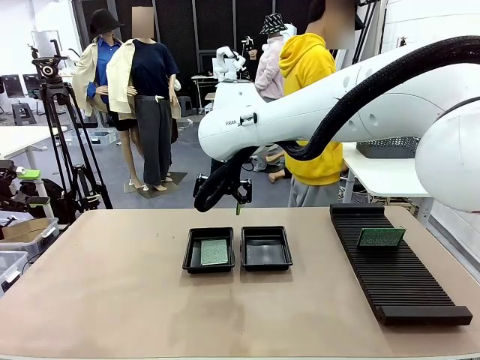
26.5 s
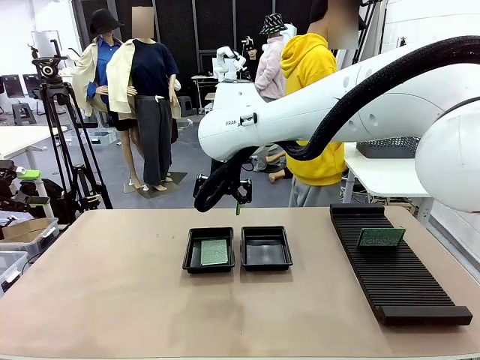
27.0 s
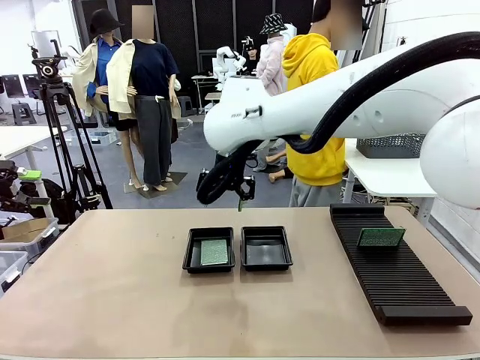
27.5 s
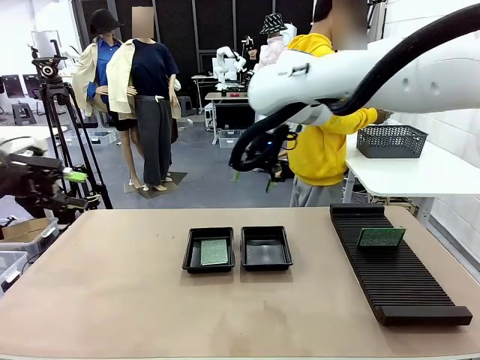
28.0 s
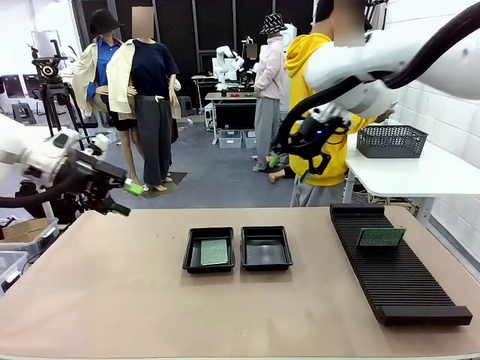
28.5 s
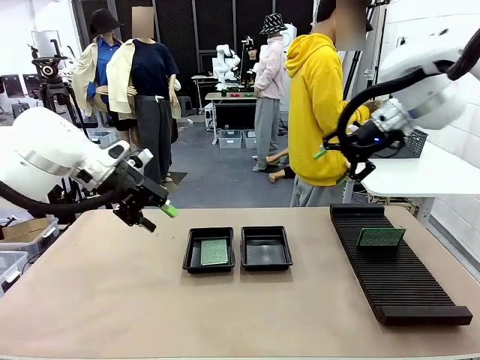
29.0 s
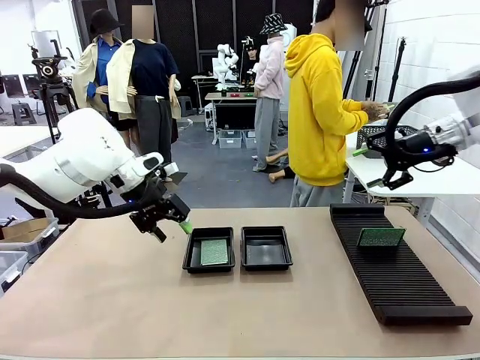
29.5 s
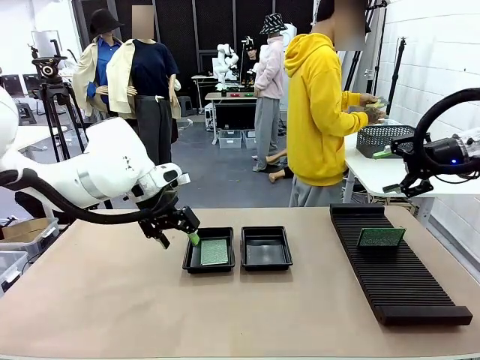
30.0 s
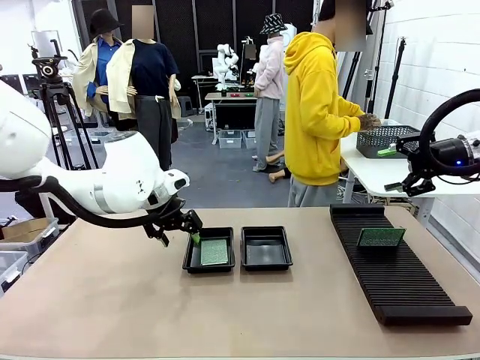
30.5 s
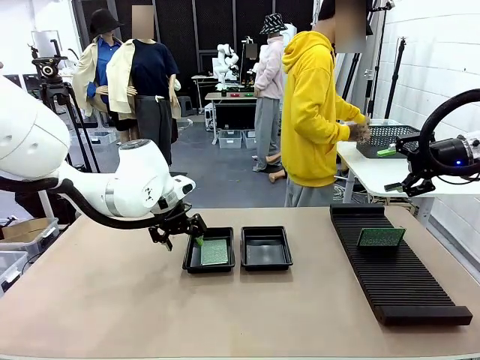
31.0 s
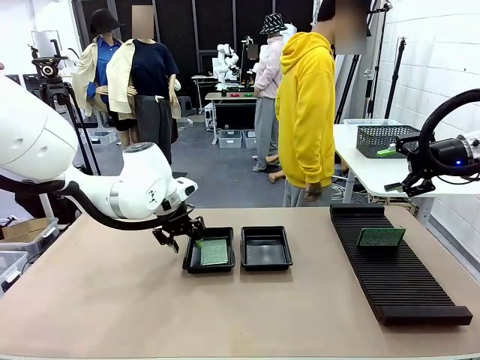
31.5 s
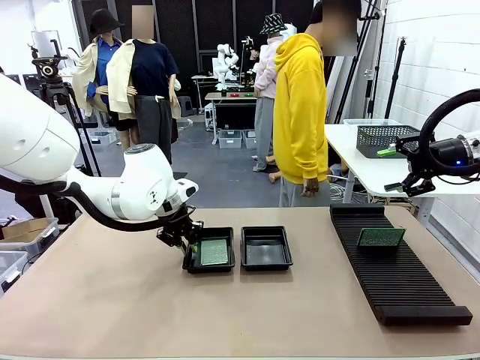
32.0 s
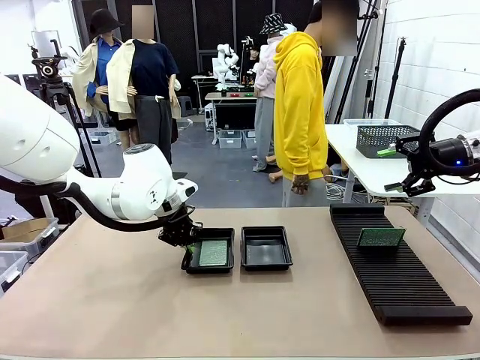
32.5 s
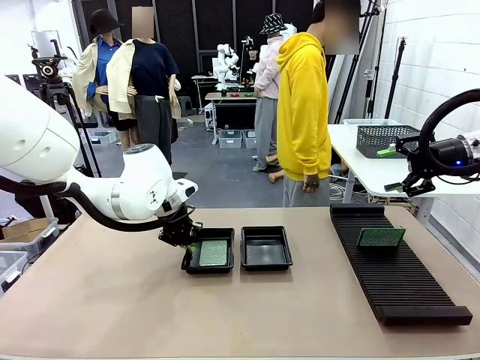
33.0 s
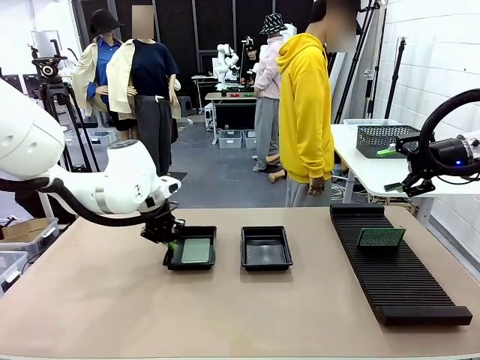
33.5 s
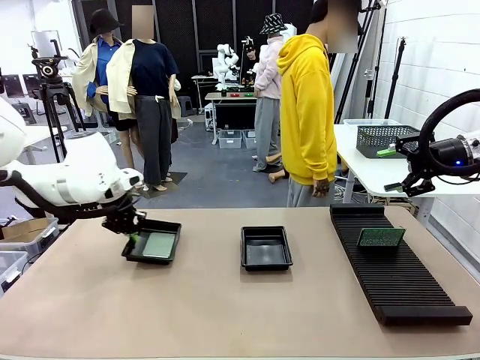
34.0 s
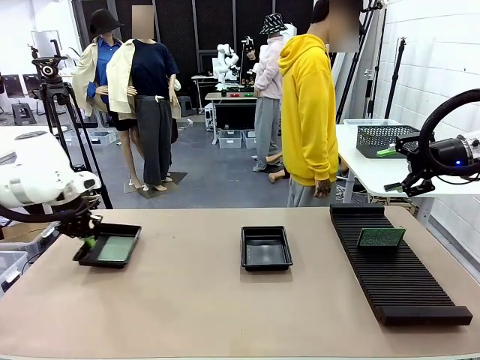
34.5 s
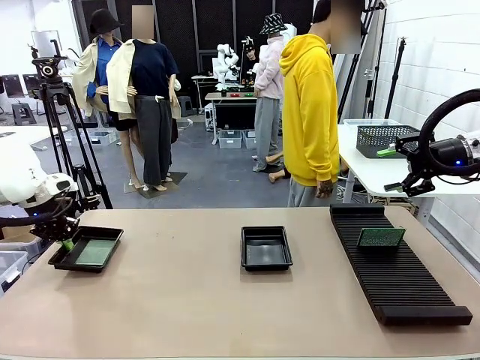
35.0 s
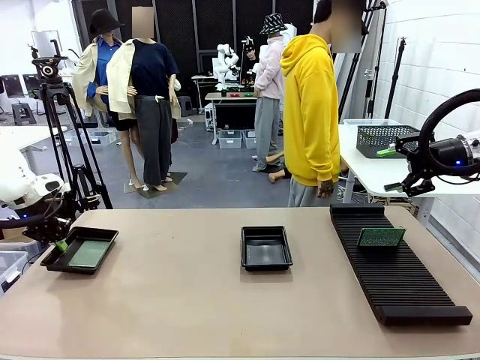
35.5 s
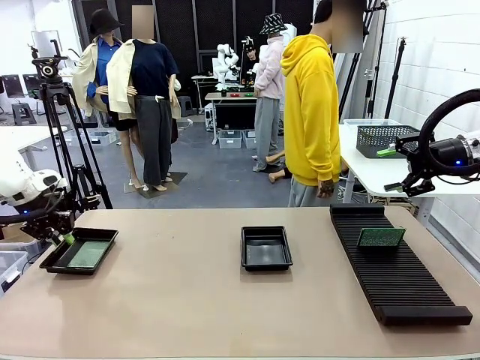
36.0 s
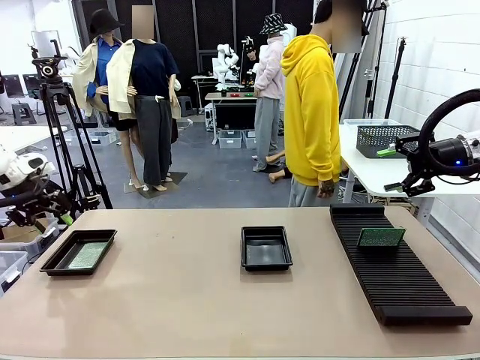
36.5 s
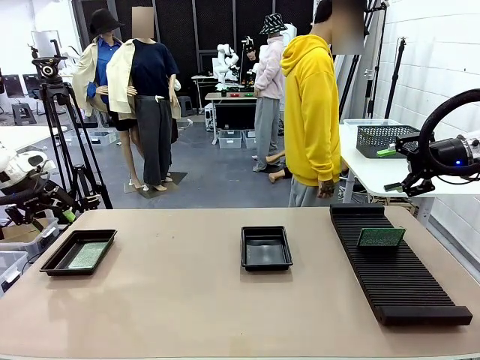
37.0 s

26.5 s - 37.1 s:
Task: Inspect and transfer BCBs to ESD trays.
Robot: Pick up the ESD tray and place it on the left side of the table.

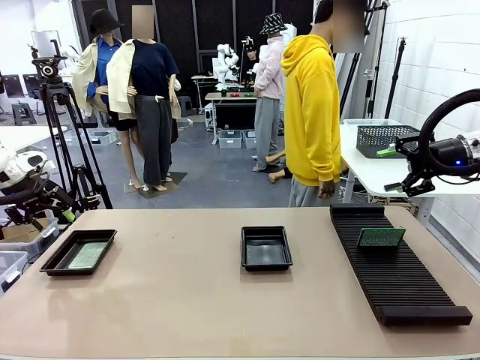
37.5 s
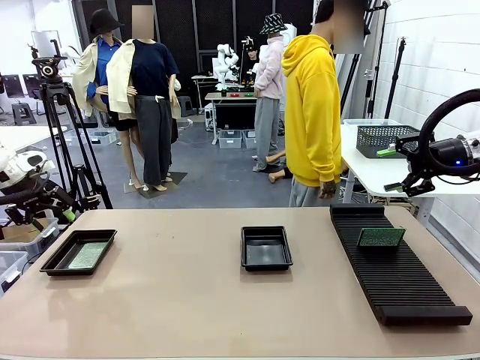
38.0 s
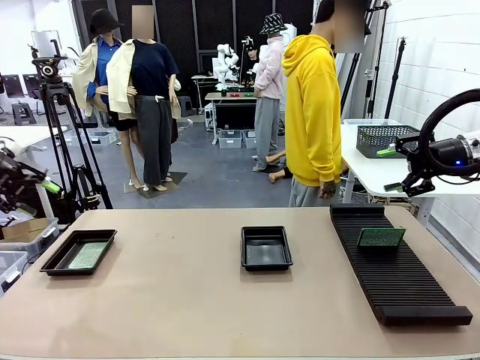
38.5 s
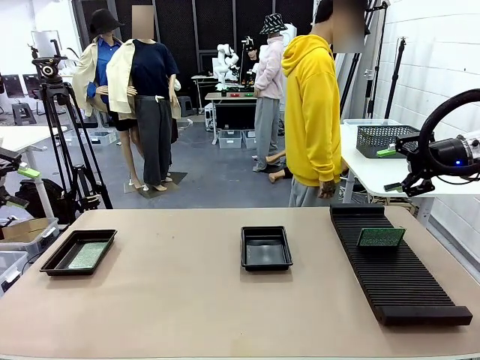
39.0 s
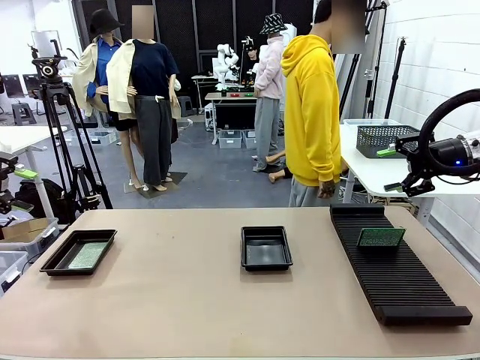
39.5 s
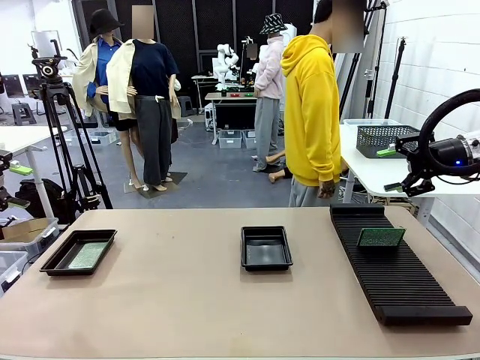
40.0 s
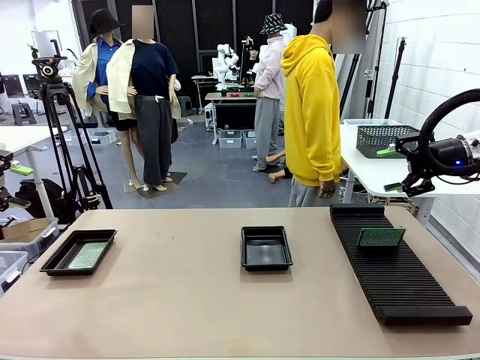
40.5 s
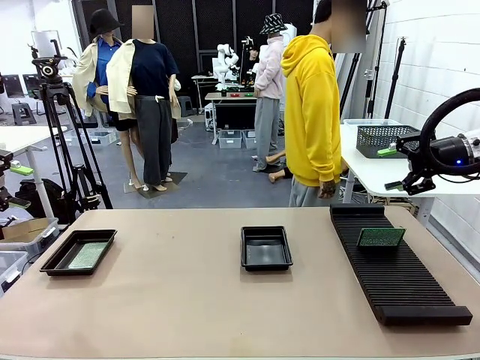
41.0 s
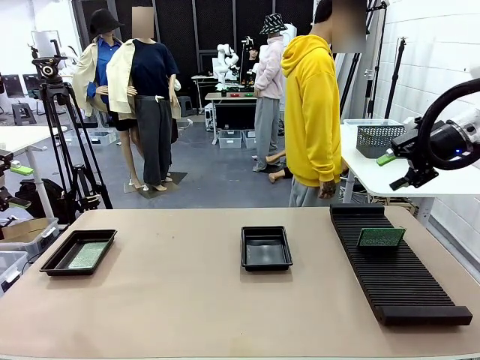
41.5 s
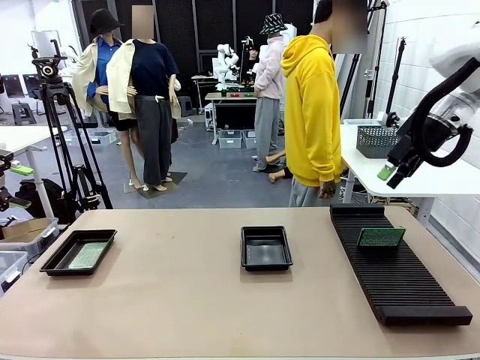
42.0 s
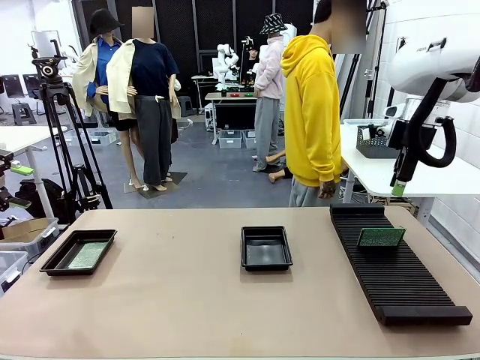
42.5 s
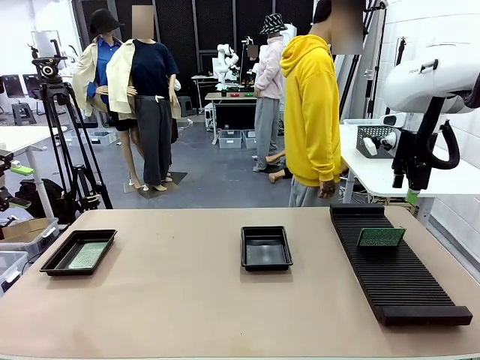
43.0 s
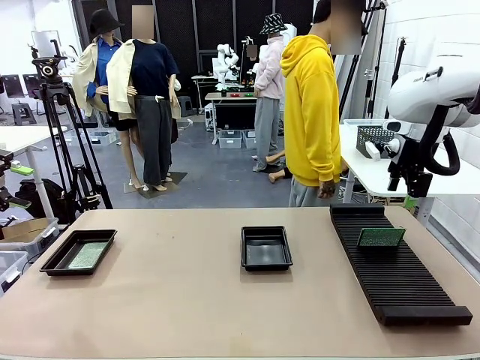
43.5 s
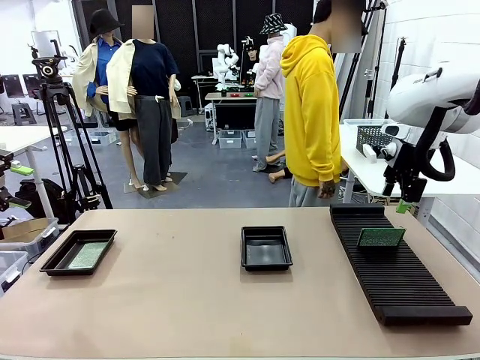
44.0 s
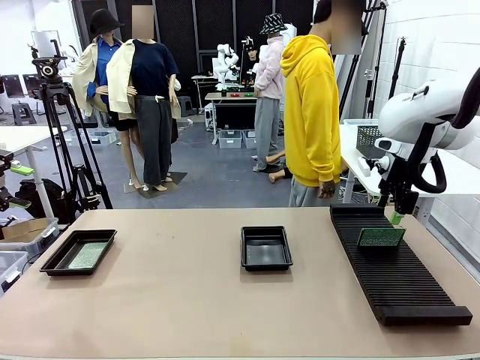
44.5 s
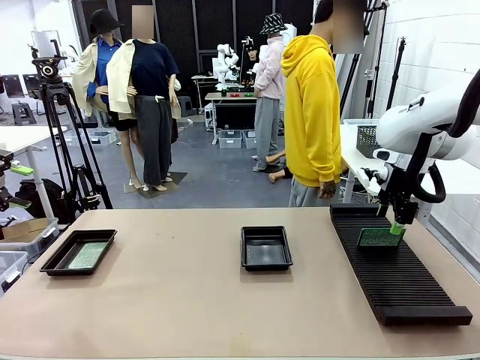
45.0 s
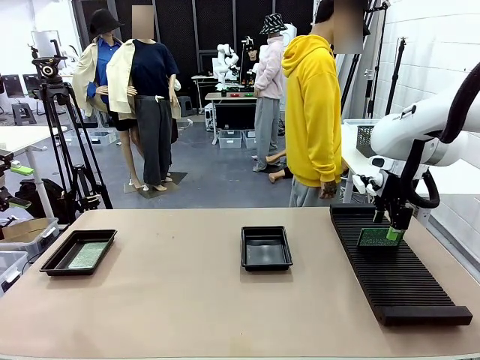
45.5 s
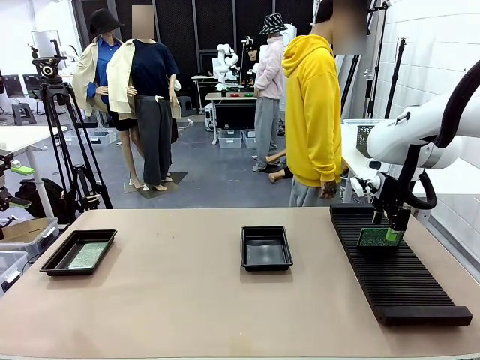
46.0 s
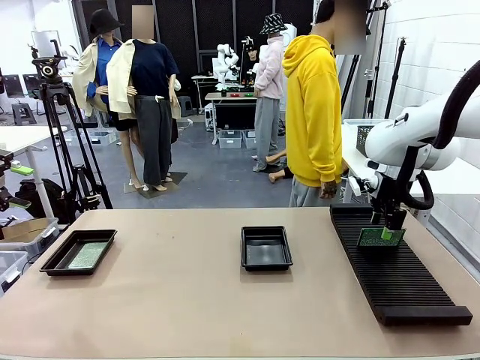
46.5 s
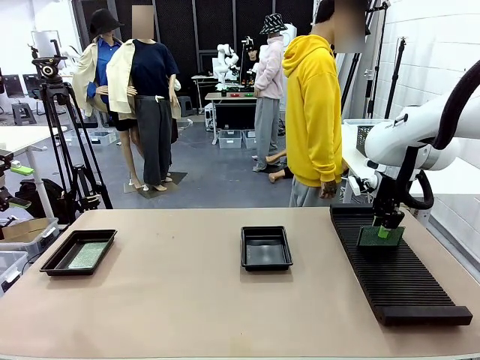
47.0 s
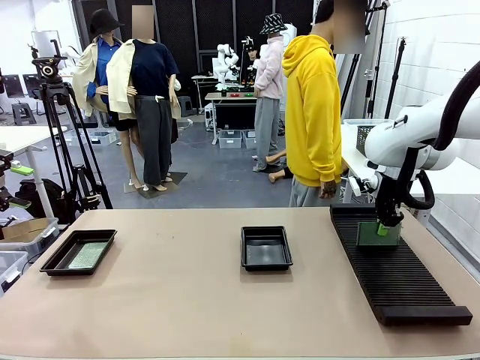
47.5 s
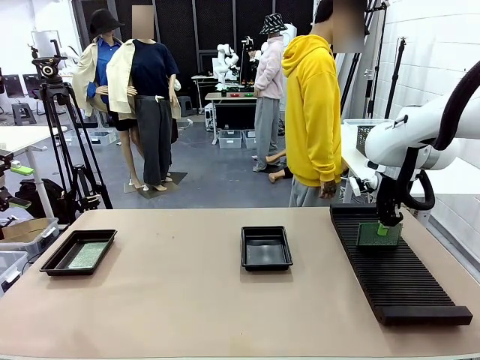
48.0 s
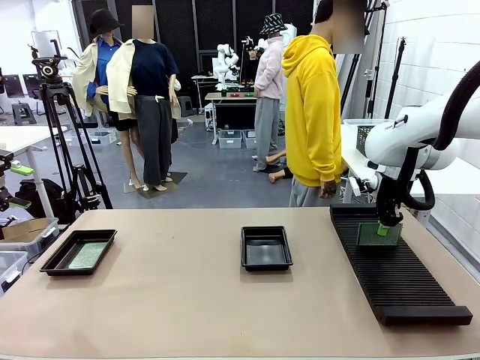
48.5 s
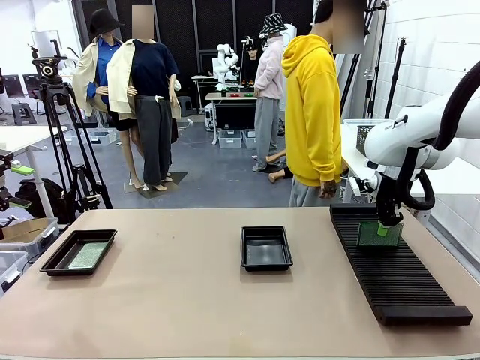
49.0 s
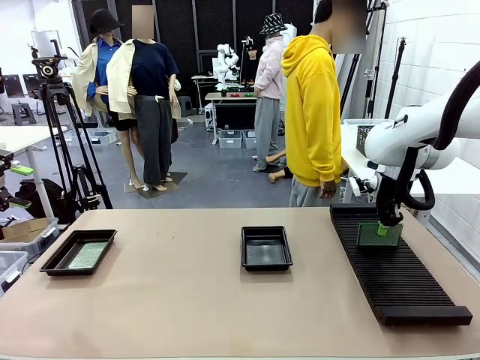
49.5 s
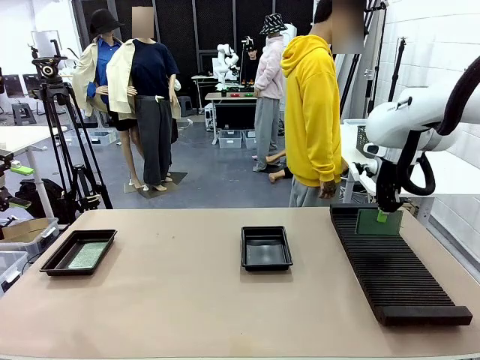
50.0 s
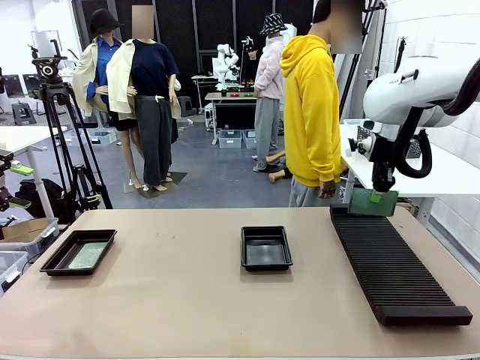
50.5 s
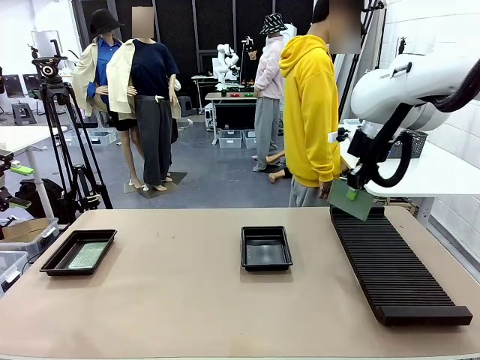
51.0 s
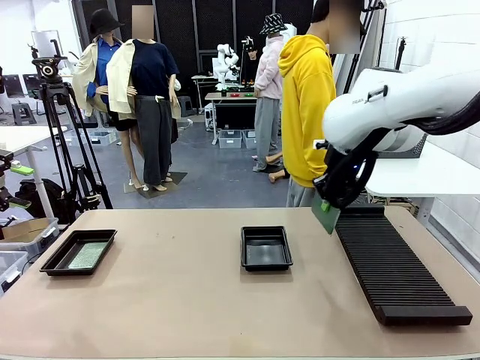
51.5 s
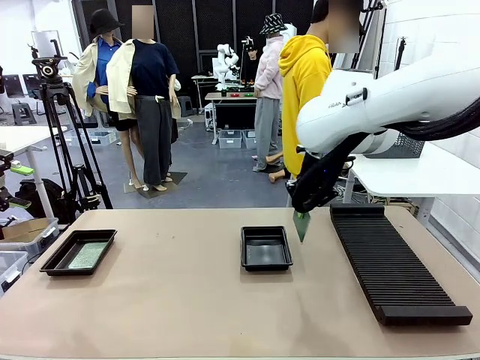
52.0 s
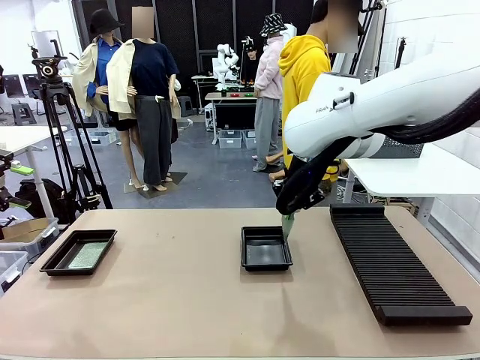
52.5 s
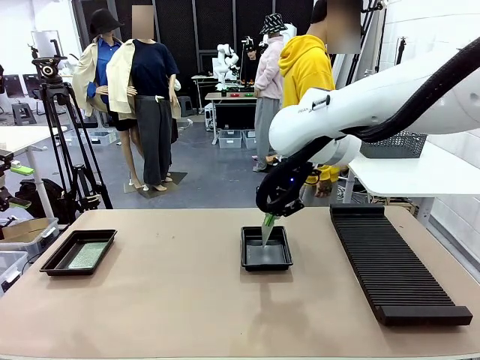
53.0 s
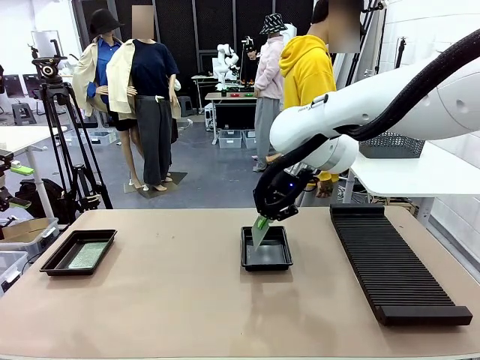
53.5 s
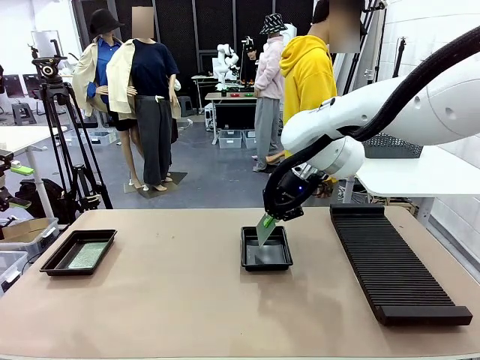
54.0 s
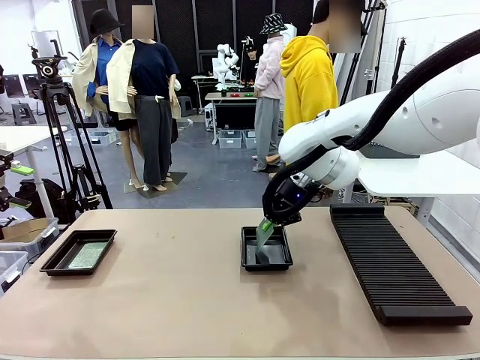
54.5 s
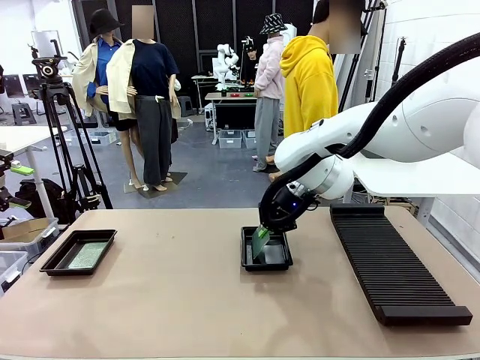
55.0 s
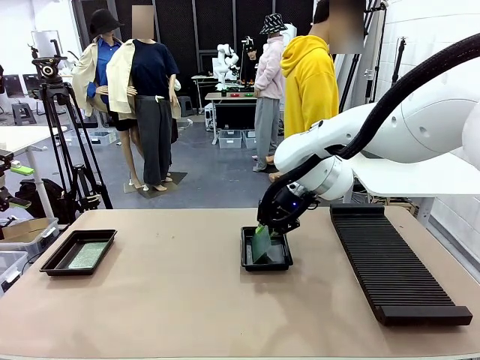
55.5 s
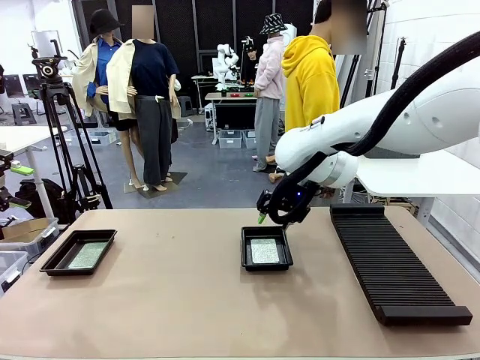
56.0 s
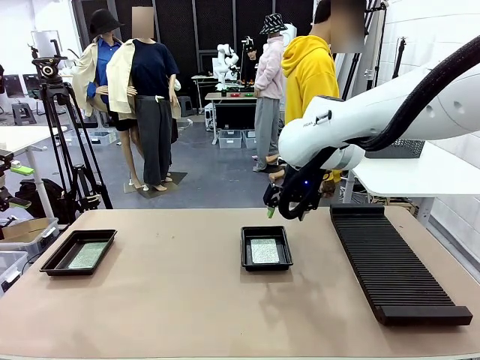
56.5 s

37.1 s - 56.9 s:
Robot: Pick up the Blank PCB from the PCB Rack and place it in the right ESD tray.
